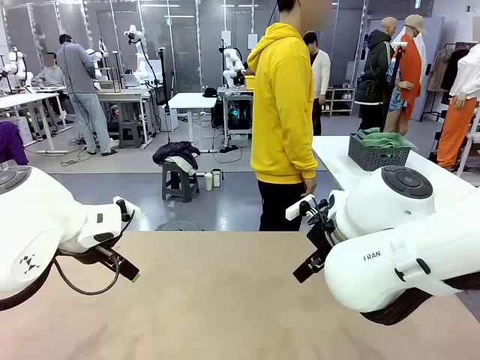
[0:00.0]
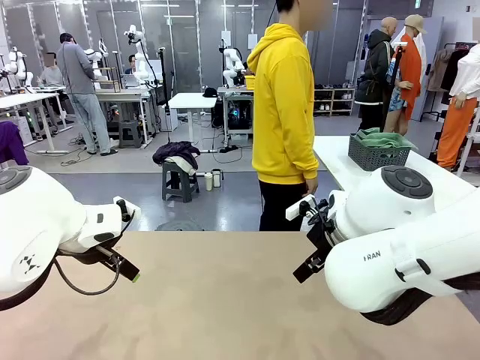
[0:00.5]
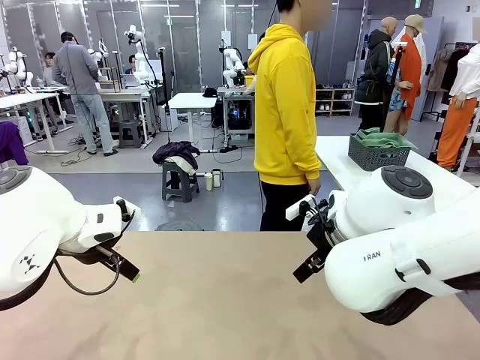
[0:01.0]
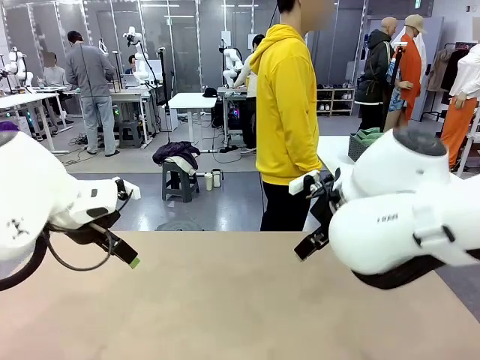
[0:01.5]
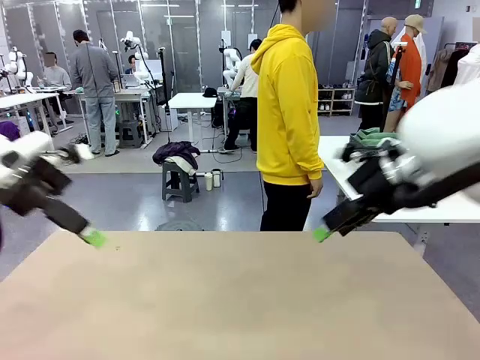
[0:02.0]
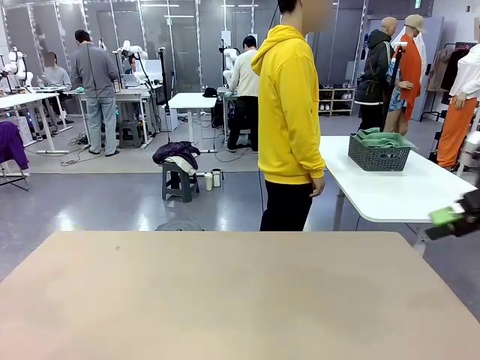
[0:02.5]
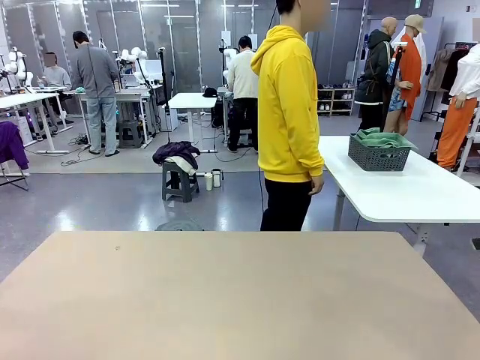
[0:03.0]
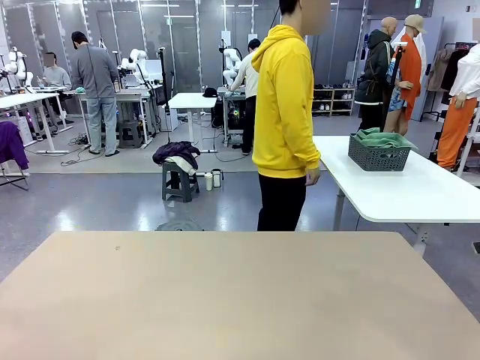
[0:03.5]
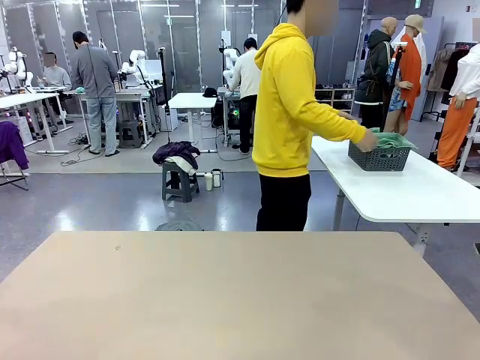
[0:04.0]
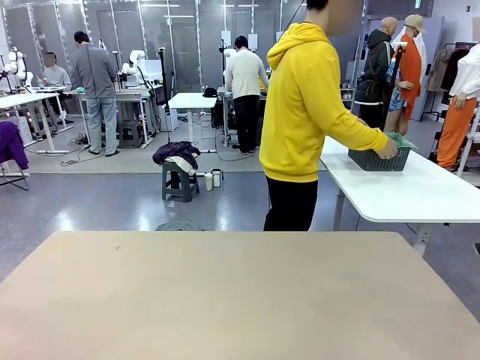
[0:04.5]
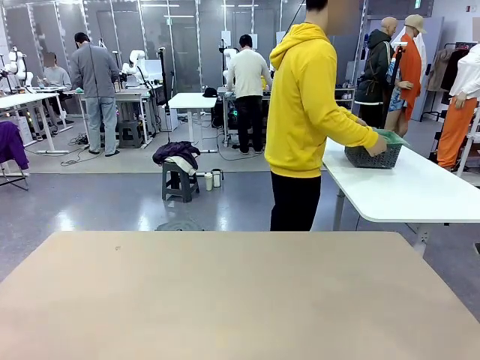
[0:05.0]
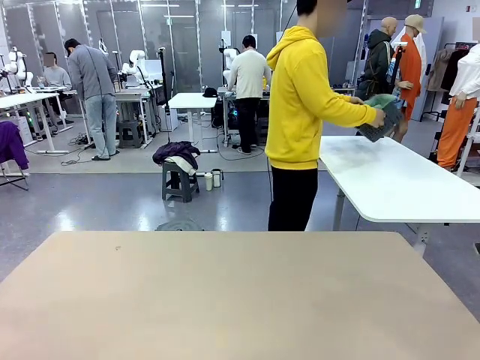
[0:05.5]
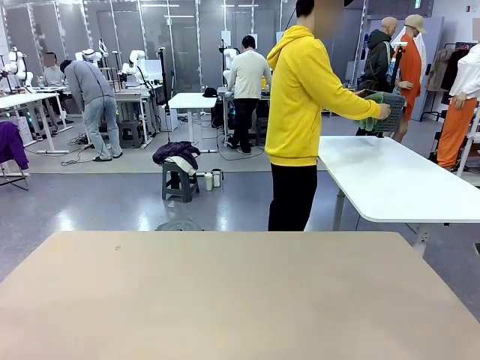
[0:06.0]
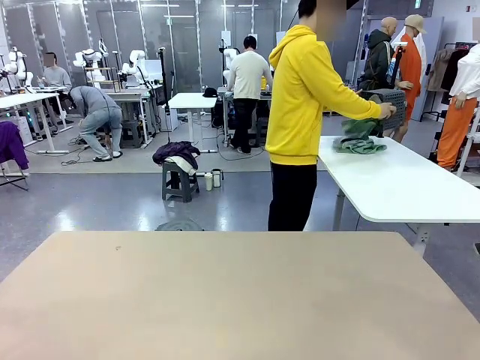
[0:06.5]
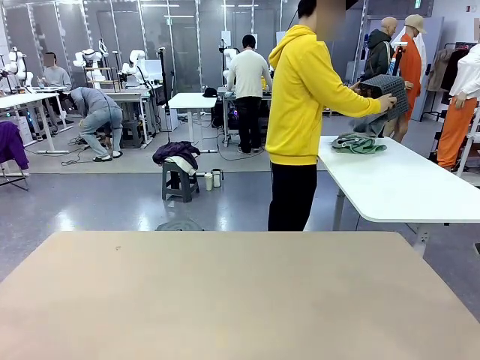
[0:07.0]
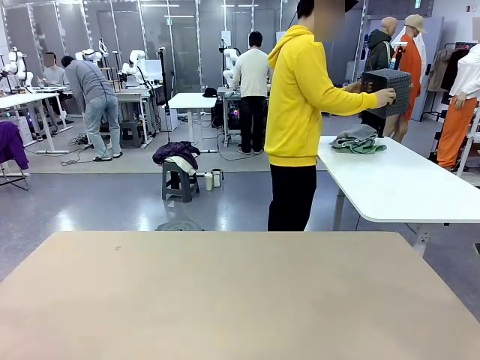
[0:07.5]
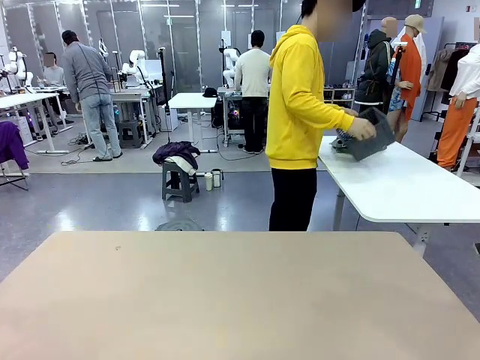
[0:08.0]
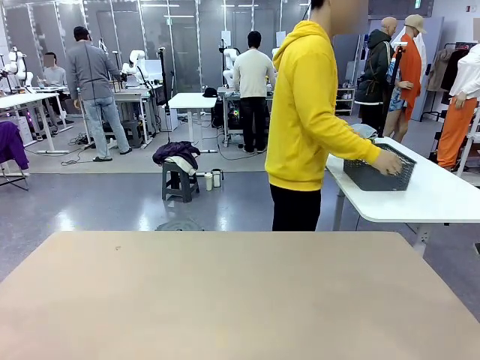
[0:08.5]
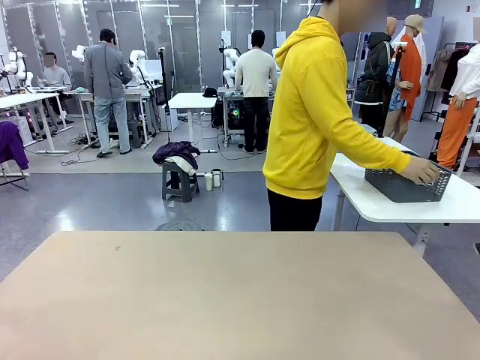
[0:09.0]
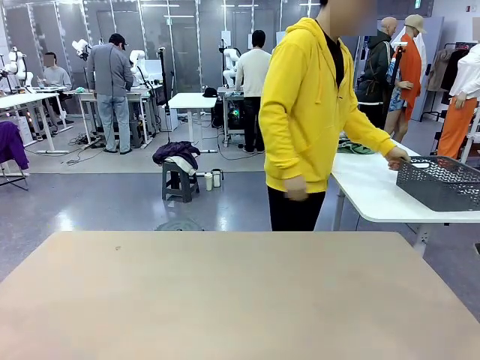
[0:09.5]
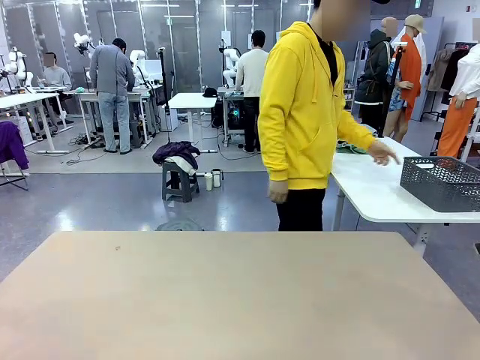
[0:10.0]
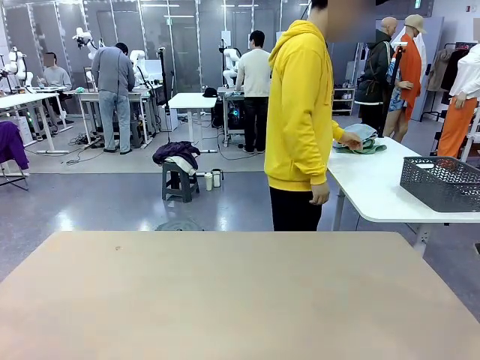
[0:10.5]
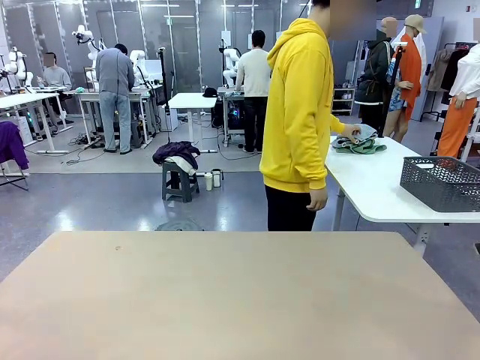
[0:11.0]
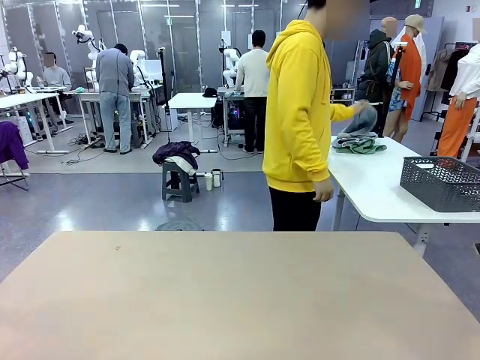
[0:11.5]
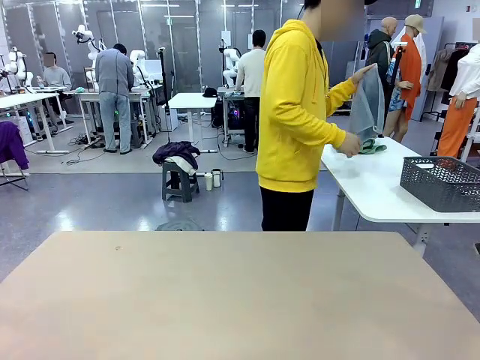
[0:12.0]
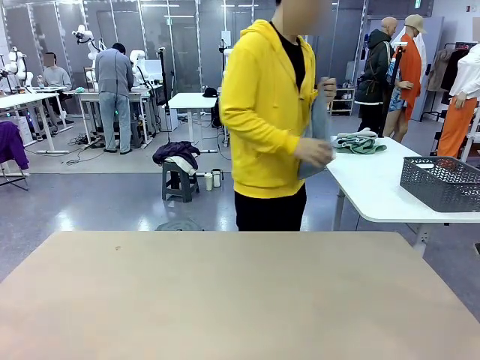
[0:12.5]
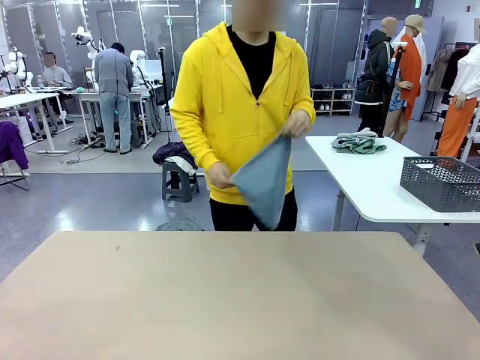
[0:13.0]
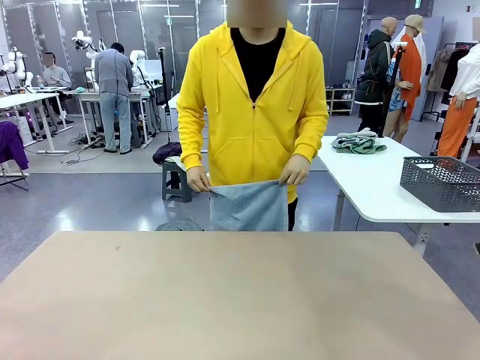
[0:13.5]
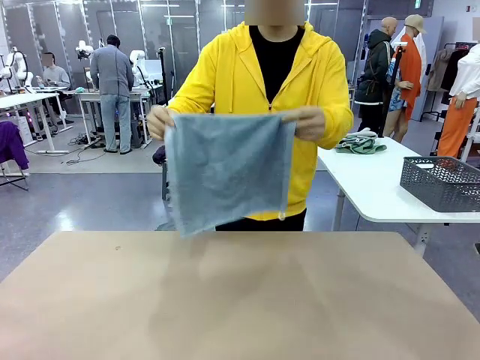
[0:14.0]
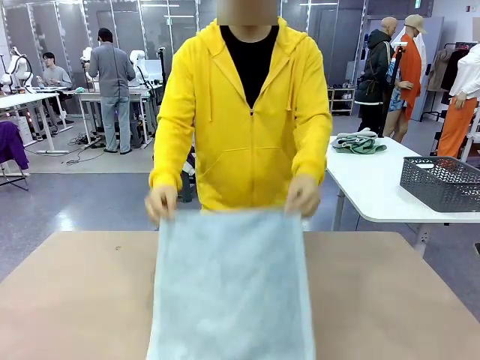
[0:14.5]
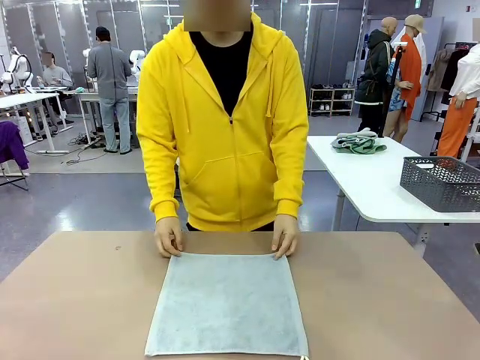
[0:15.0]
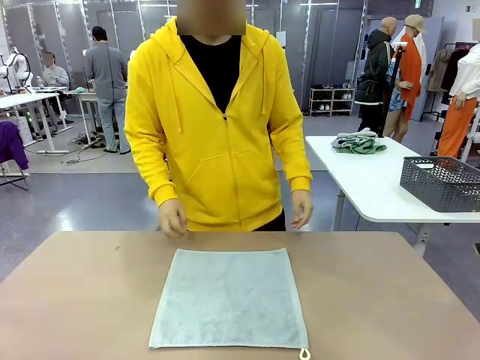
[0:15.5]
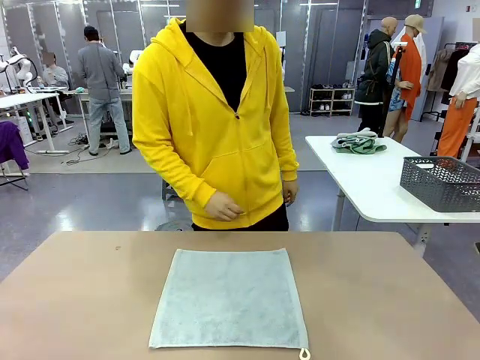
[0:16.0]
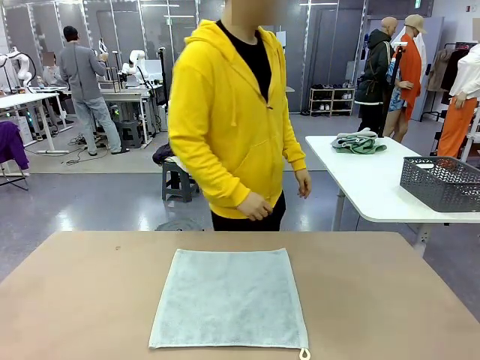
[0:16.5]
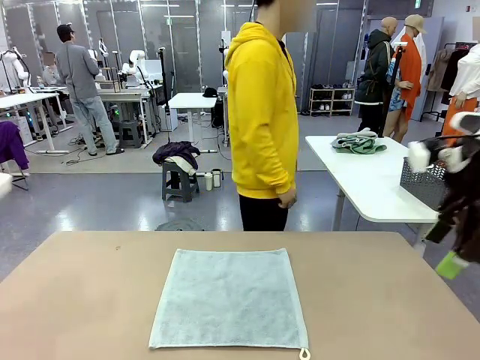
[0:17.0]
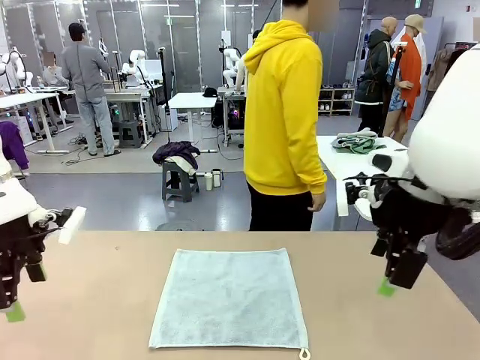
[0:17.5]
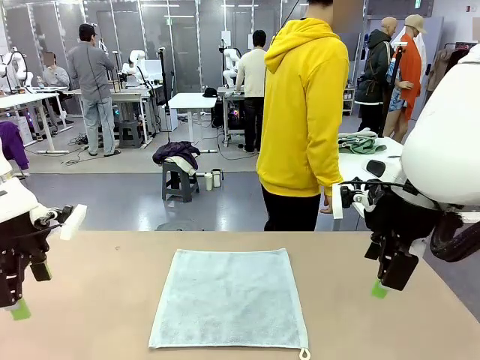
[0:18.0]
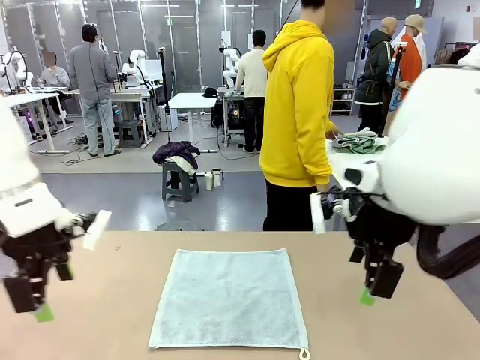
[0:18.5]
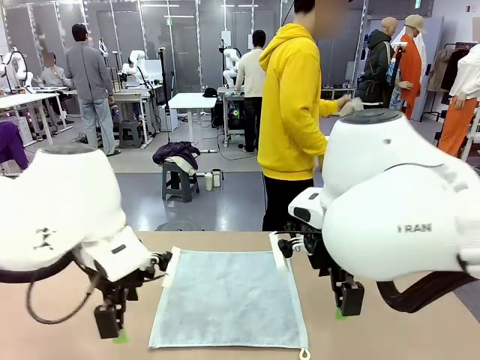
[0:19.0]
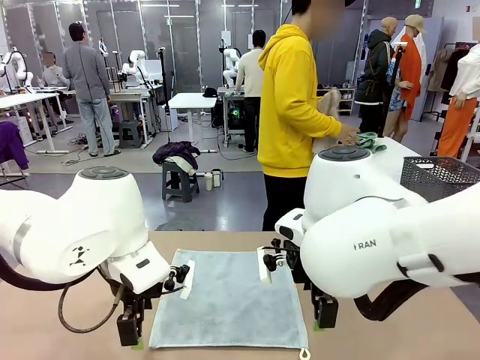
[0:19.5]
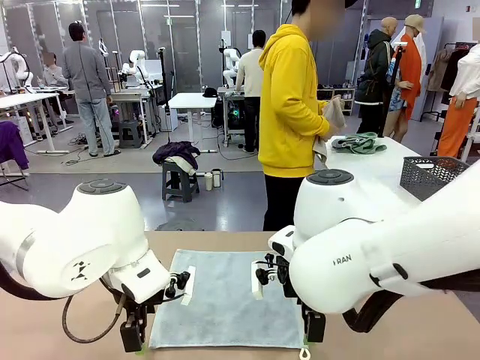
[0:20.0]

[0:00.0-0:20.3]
Task: Fold the towels and place them in the basket.
Robot: When a person lays out a Towel with hook on the table, fold it in half twice.
Person: Pick up the basket, pour the towels onto the left side of the human table, and place the basket on the right side. Pick up one towel and spread it out at the center of the robot table.
